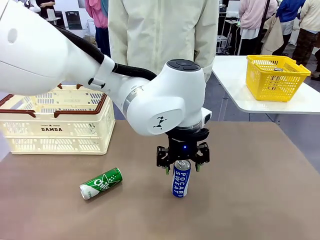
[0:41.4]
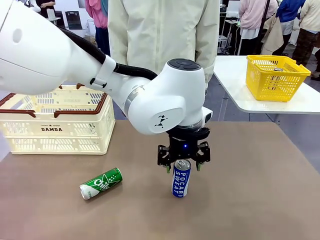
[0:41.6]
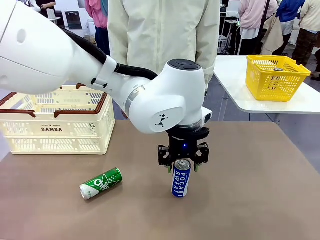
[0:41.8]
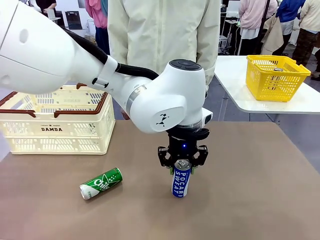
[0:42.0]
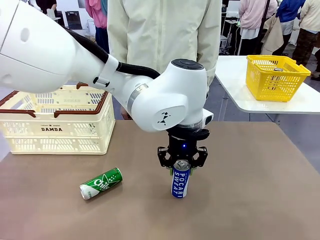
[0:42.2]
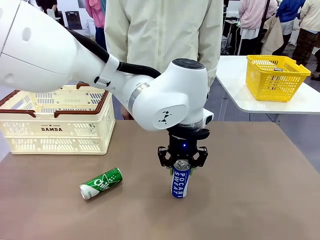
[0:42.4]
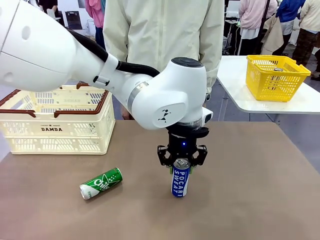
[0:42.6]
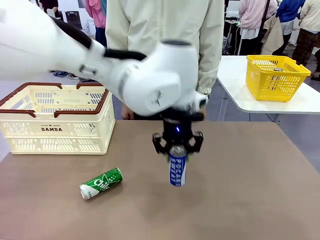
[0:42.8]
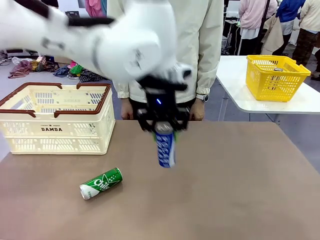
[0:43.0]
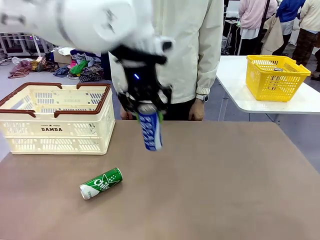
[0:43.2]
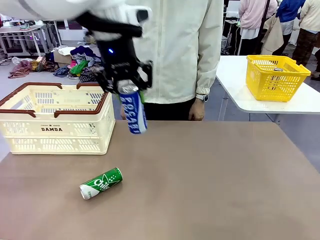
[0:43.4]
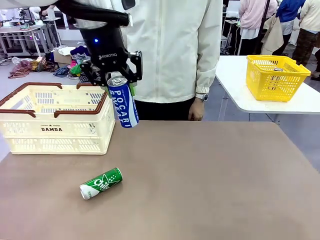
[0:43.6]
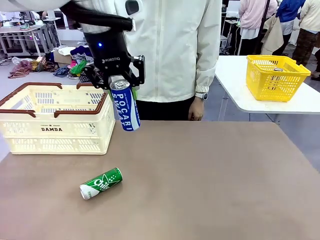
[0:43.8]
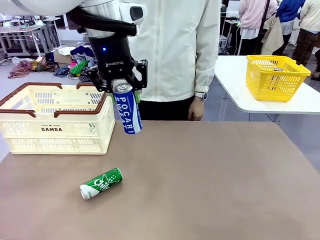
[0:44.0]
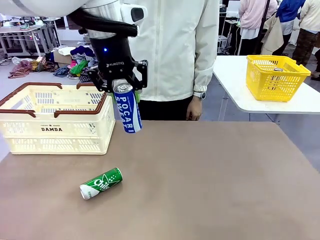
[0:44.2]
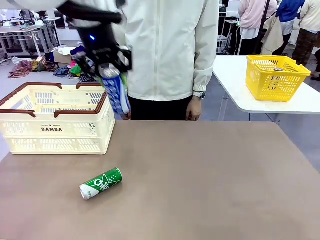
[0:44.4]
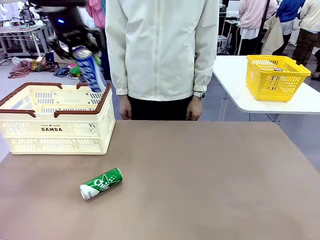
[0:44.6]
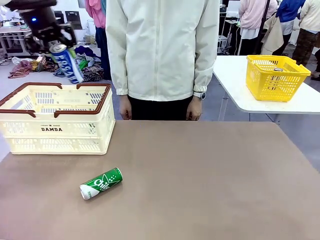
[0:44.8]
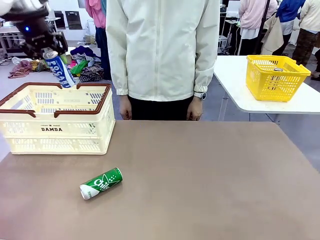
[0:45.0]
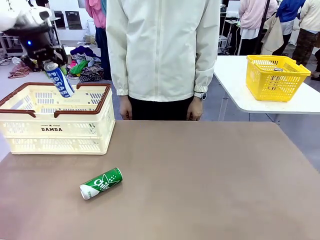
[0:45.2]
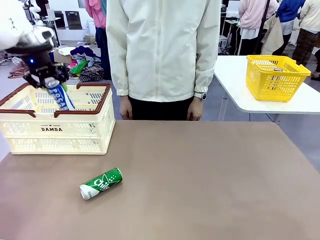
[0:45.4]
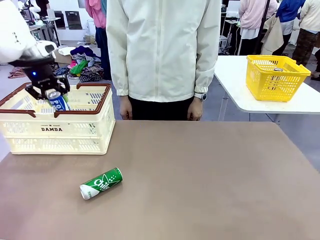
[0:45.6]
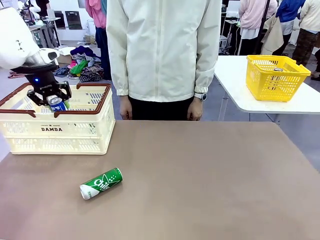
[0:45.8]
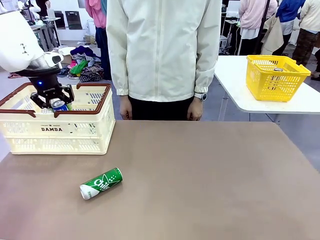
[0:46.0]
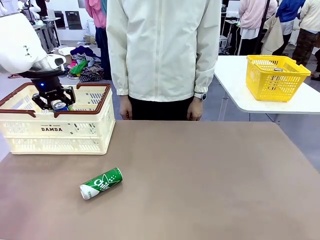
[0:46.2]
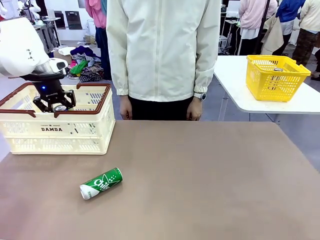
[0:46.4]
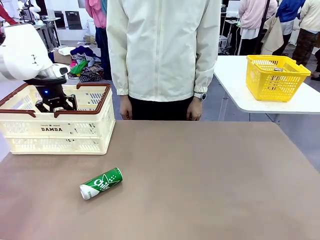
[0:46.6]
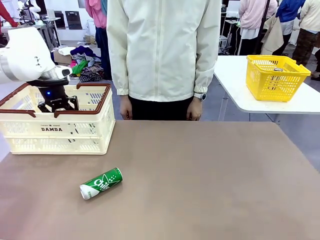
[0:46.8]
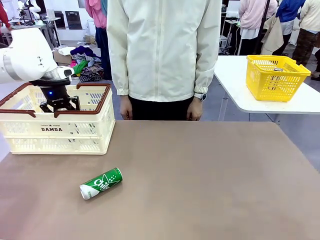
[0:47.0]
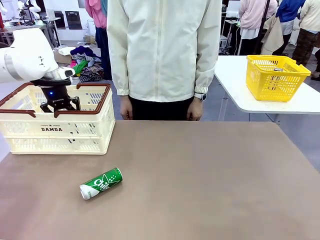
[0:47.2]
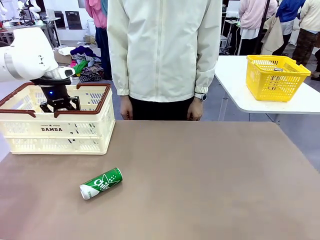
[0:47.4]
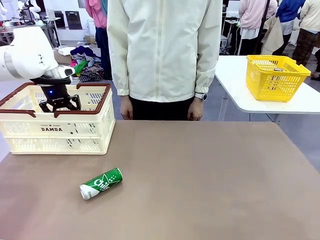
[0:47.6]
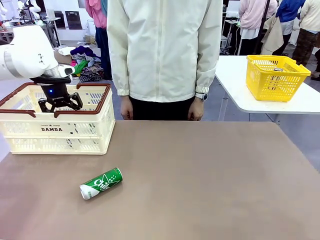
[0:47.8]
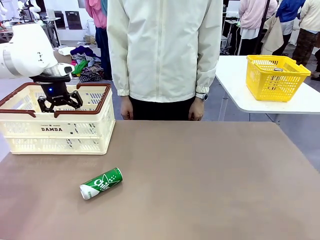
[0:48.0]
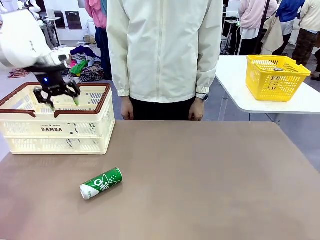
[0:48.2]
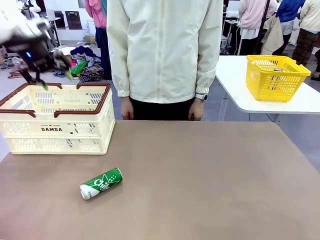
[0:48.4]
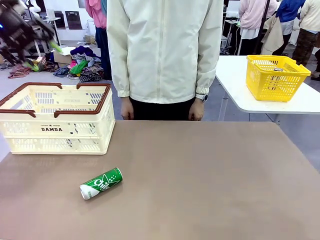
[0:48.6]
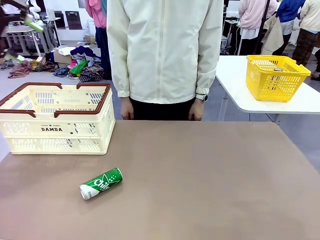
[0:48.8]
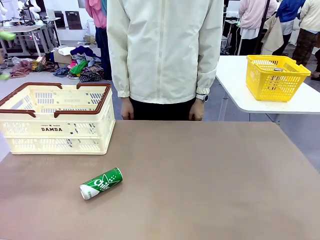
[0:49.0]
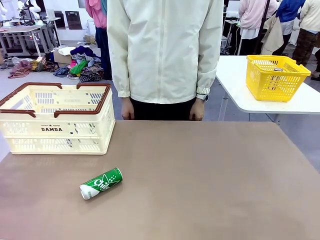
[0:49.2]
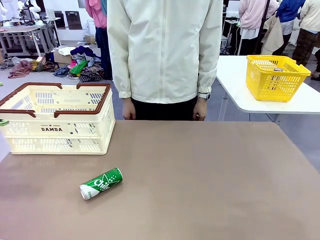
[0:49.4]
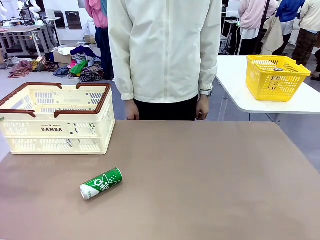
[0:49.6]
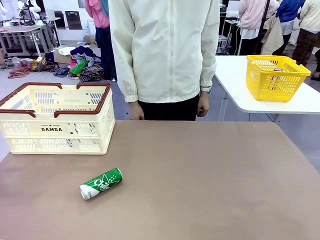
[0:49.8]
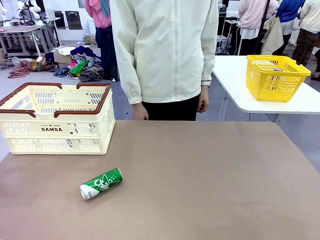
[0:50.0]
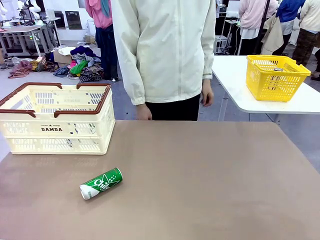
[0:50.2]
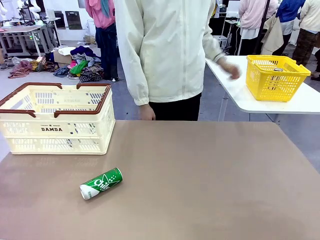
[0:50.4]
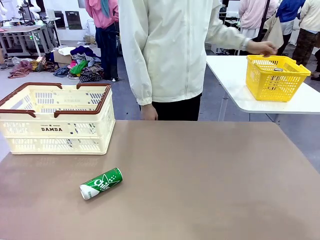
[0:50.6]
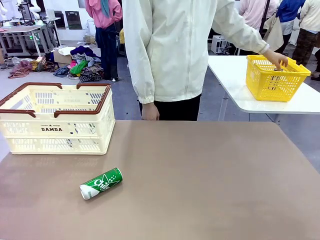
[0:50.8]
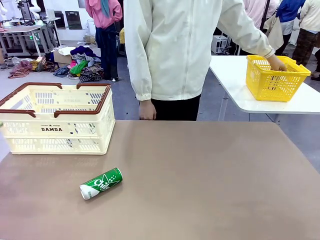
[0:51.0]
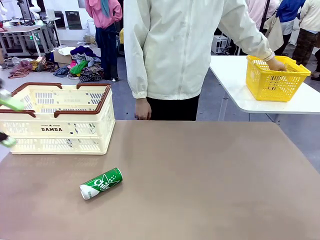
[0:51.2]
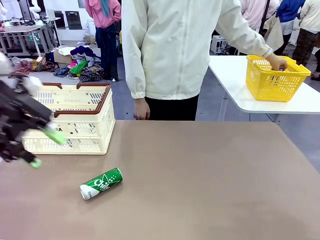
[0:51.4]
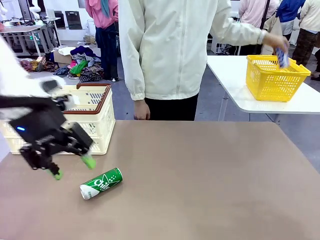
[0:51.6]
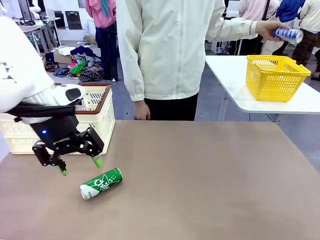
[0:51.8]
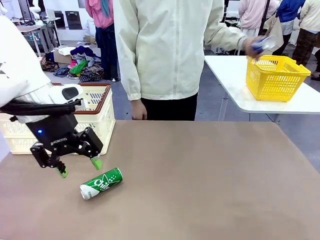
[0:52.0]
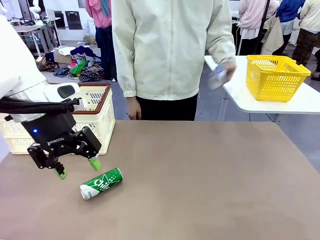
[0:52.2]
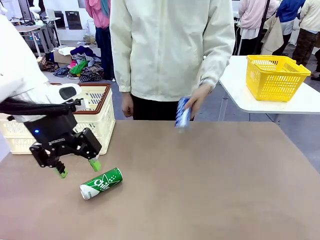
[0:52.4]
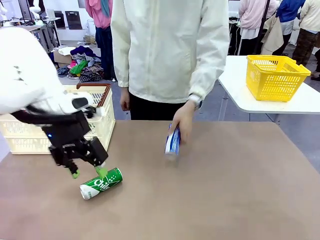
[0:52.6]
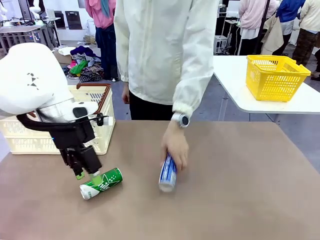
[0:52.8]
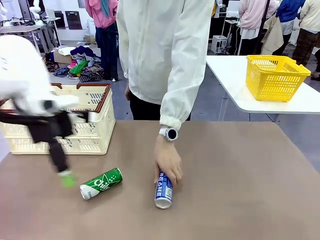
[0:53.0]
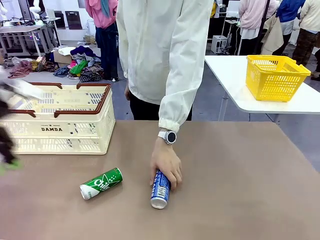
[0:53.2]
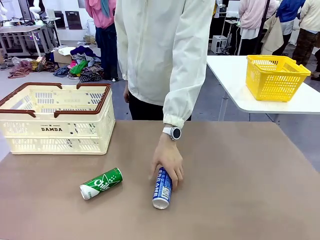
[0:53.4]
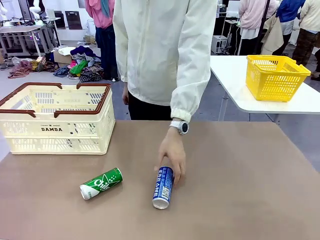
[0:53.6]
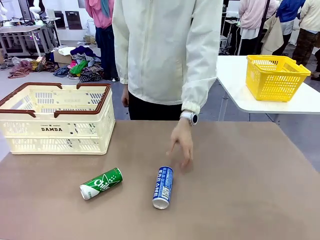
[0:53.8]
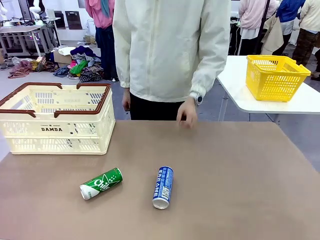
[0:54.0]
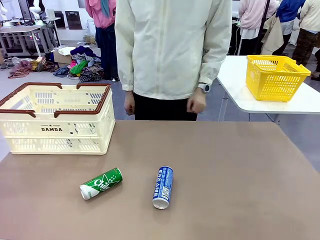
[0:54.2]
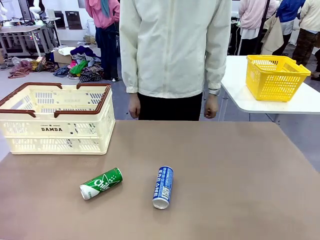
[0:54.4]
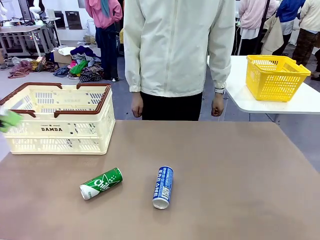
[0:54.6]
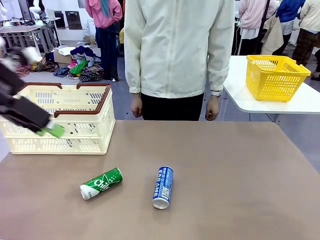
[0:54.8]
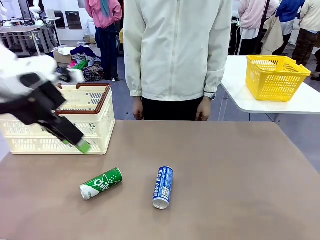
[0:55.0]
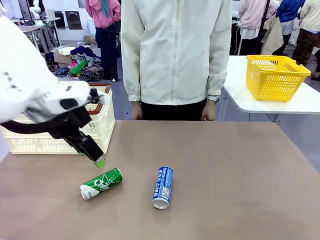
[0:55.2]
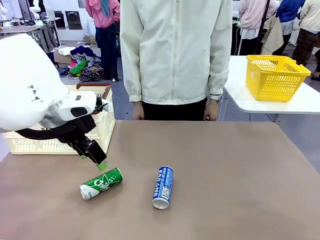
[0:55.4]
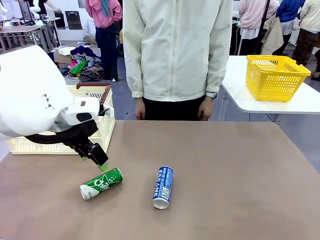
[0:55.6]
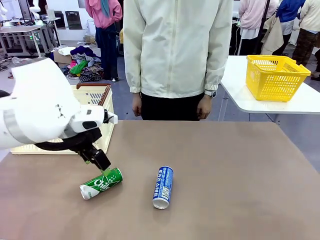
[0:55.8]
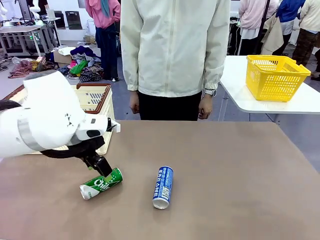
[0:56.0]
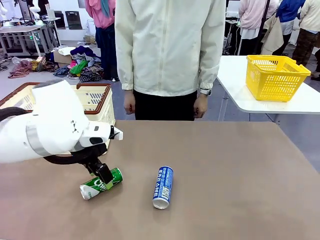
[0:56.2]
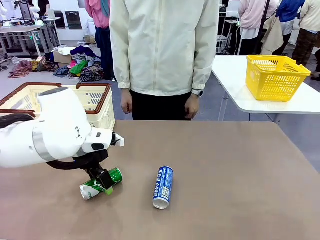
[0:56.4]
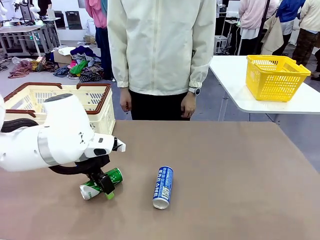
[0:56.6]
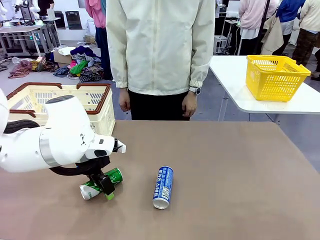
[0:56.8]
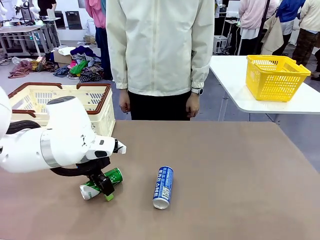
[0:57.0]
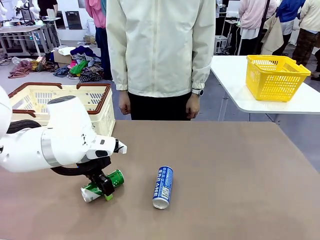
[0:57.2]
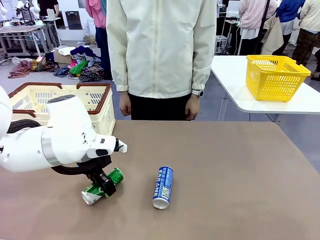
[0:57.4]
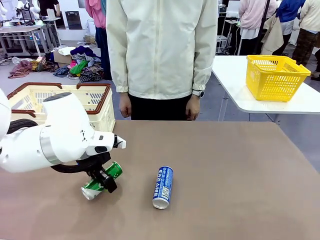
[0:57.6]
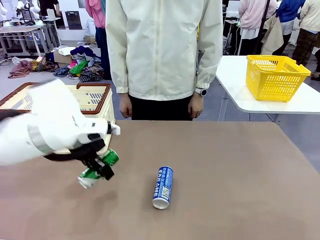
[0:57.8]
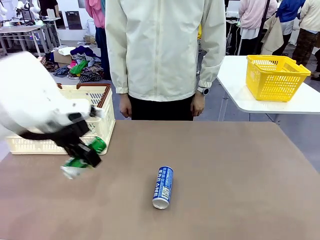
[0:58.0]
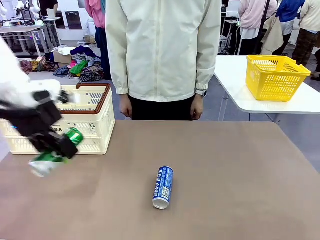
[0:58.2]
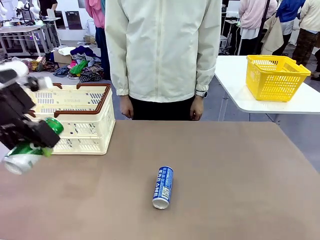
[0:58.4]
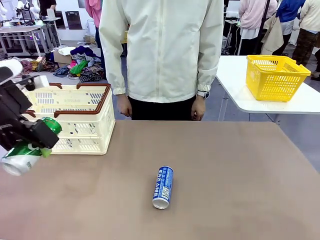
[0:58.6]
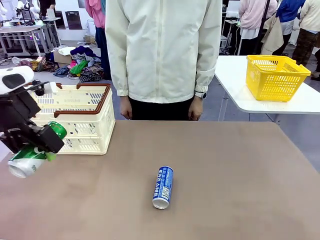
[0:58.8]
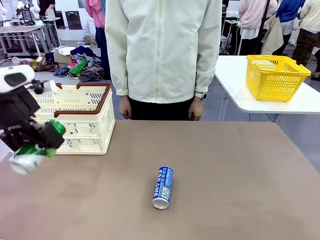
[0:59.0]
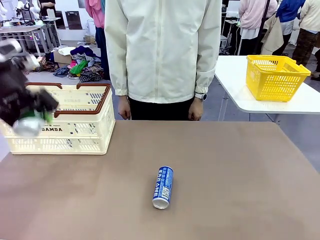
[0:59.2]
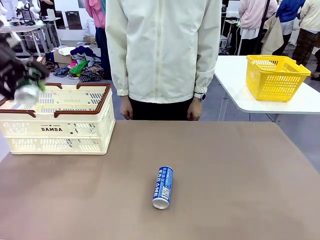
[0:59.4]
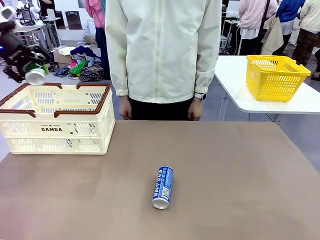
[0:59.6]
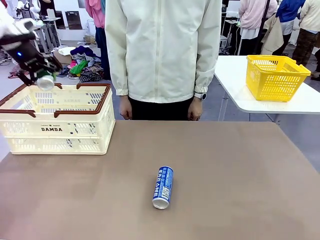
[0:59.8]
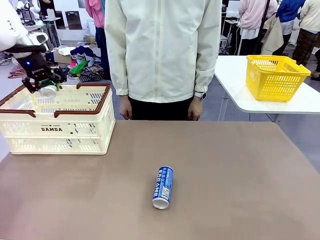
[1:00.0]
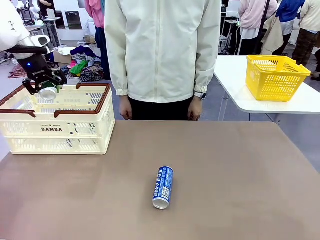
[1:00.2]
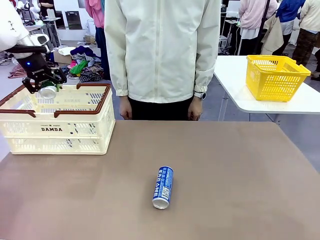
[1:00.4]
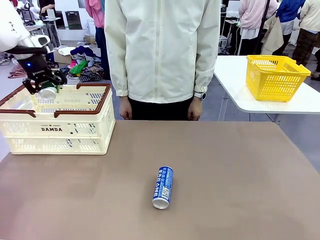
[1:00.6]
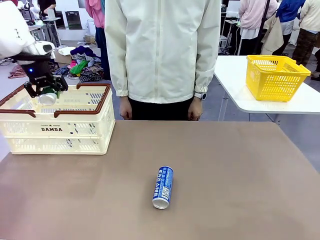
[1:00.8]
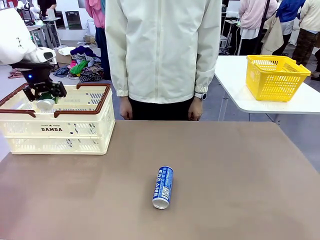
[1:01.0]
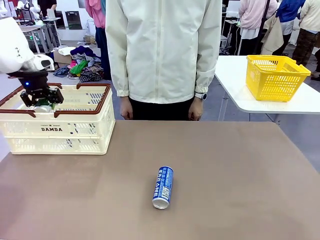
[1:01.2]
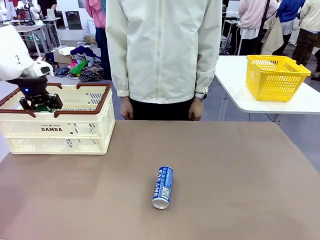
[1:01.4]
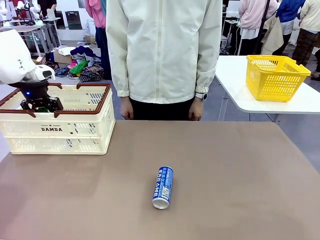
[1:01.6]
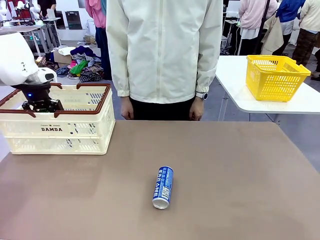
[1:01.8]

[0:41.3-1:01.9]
Task: Place the drinks into the Shopping basket.
Robot: Pick up one drink and place it into the Shopping basket.
